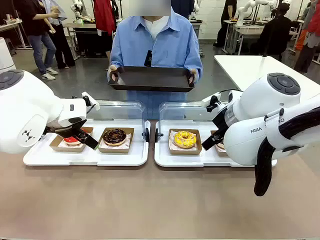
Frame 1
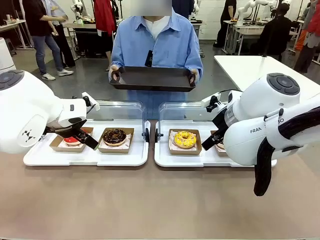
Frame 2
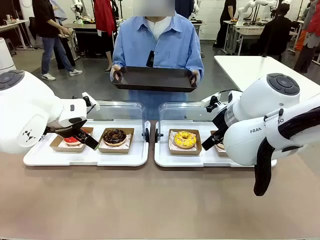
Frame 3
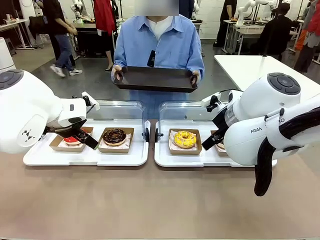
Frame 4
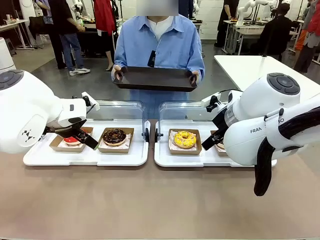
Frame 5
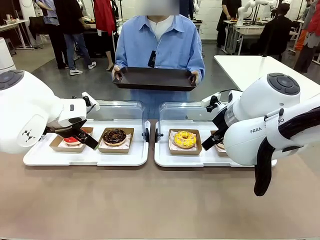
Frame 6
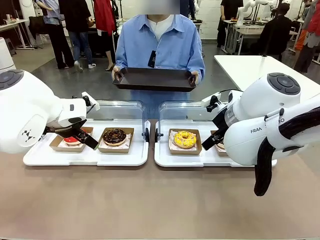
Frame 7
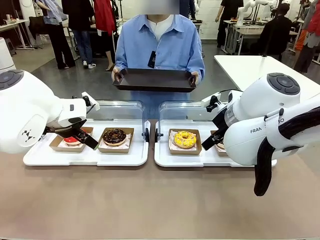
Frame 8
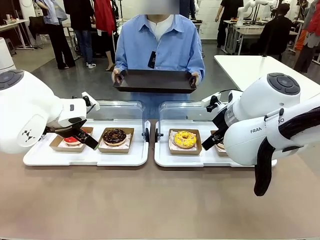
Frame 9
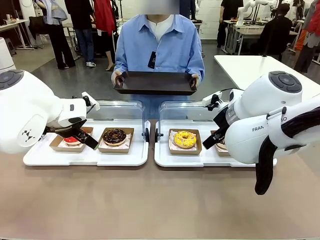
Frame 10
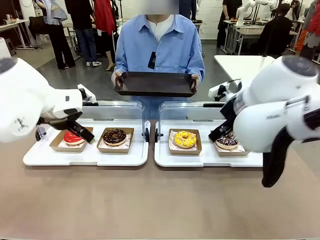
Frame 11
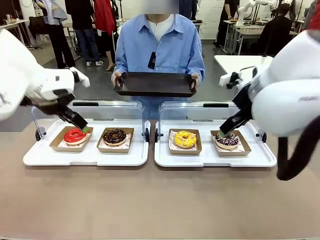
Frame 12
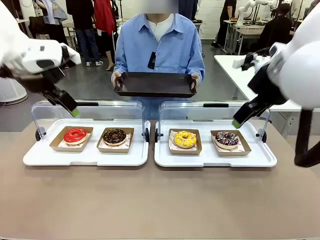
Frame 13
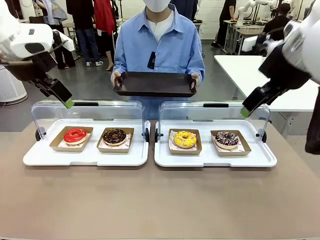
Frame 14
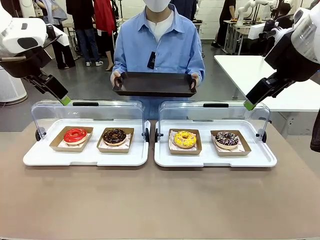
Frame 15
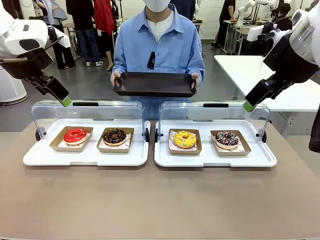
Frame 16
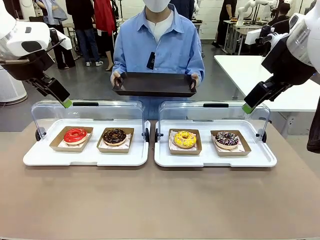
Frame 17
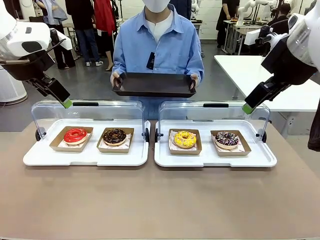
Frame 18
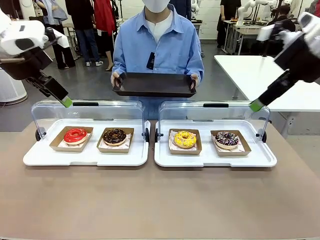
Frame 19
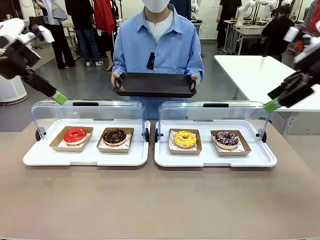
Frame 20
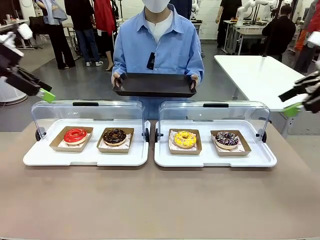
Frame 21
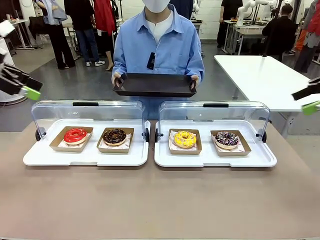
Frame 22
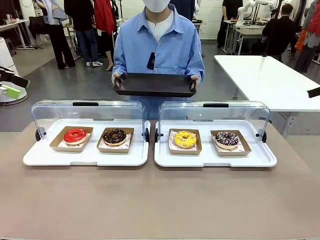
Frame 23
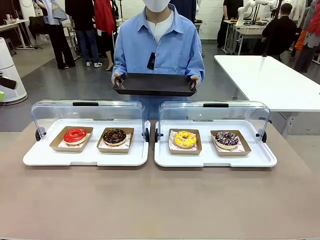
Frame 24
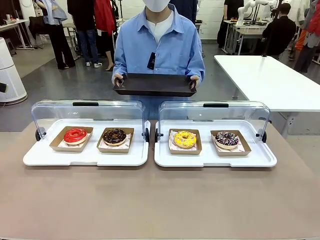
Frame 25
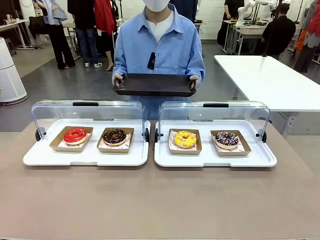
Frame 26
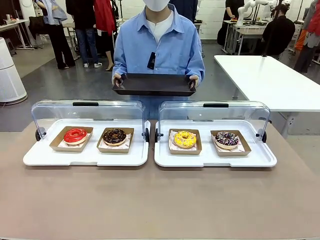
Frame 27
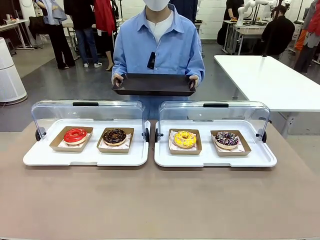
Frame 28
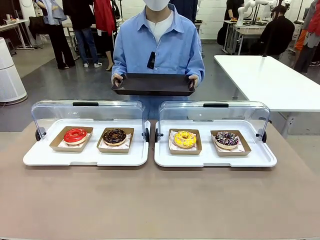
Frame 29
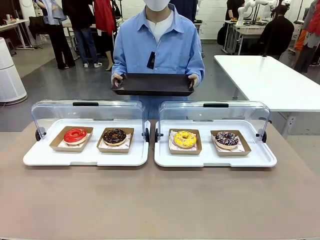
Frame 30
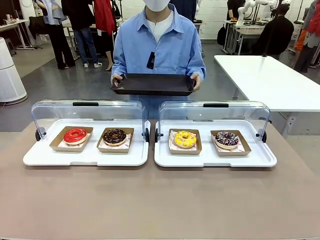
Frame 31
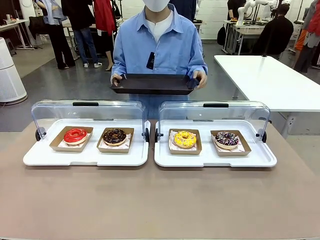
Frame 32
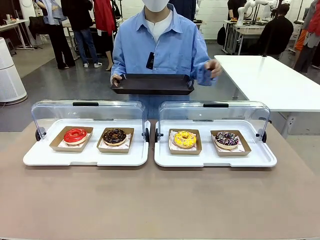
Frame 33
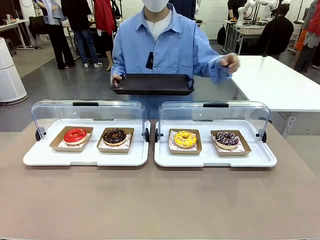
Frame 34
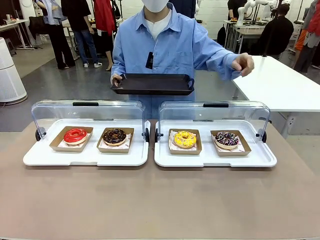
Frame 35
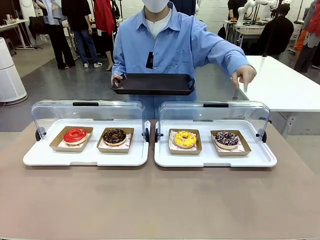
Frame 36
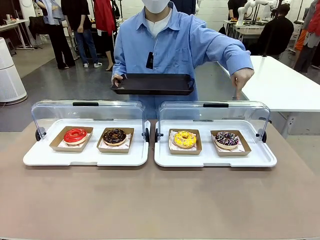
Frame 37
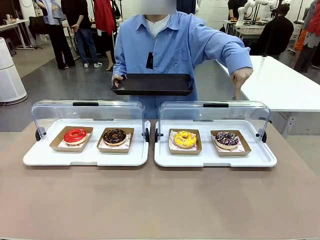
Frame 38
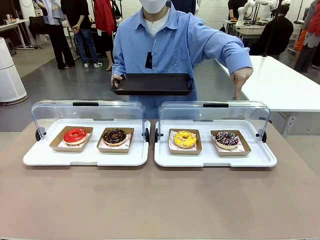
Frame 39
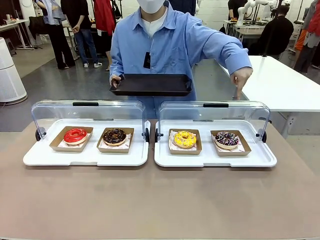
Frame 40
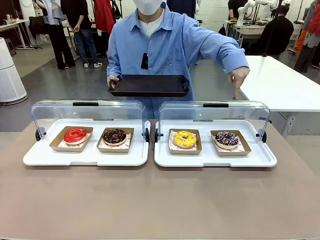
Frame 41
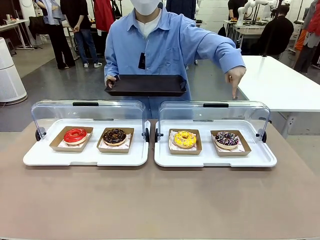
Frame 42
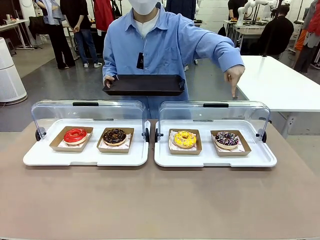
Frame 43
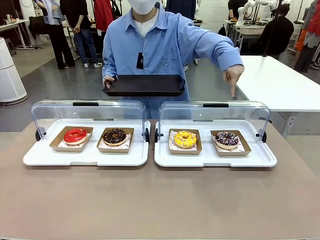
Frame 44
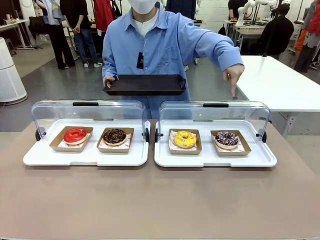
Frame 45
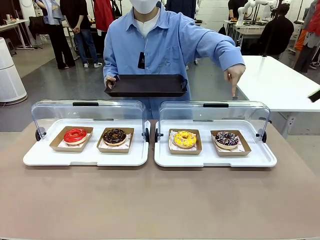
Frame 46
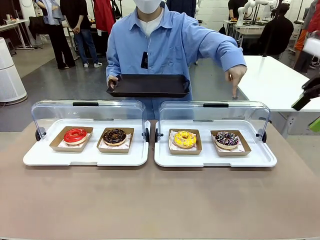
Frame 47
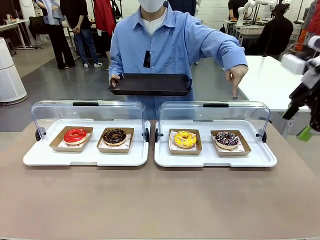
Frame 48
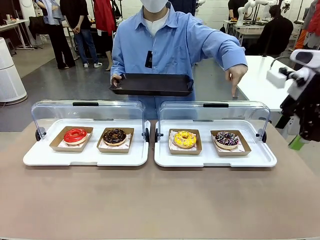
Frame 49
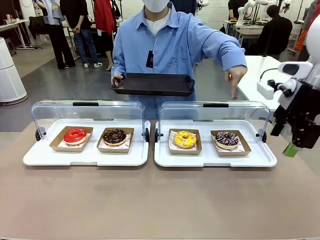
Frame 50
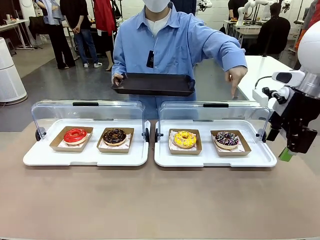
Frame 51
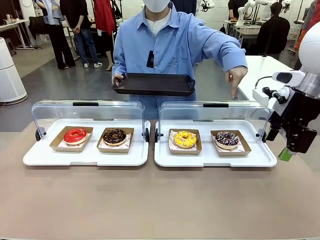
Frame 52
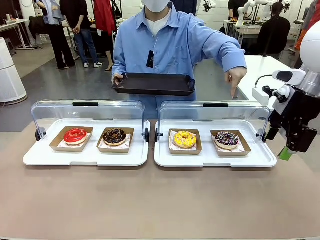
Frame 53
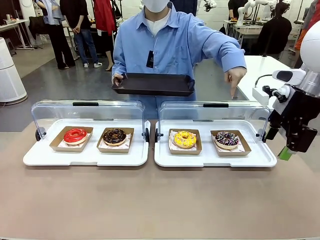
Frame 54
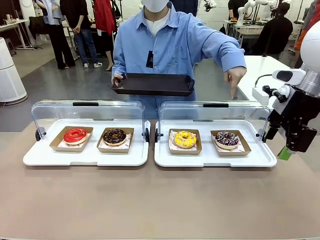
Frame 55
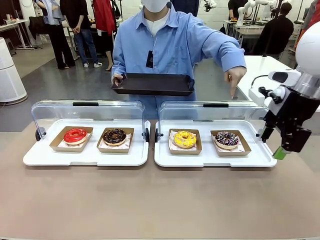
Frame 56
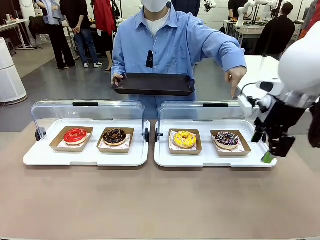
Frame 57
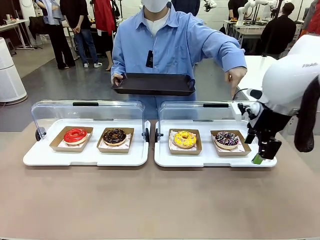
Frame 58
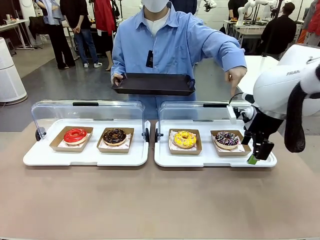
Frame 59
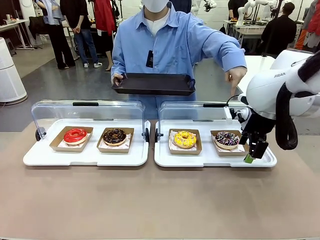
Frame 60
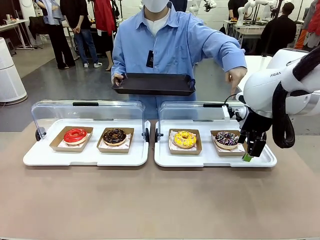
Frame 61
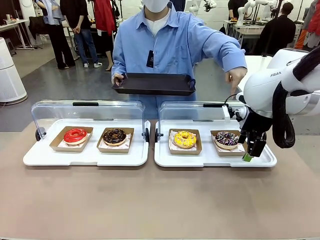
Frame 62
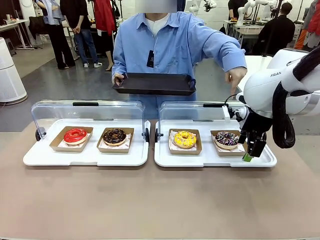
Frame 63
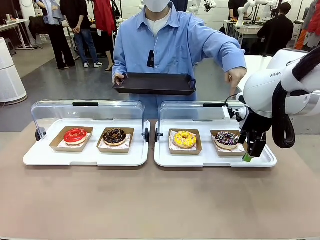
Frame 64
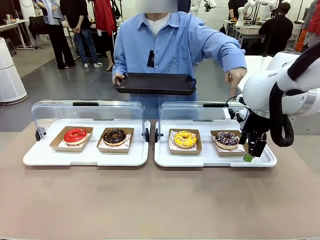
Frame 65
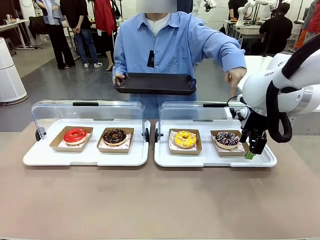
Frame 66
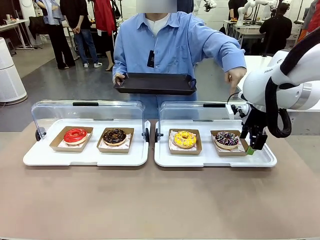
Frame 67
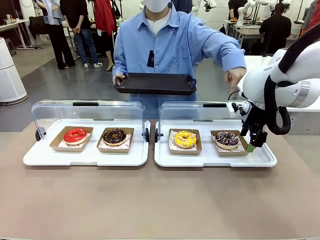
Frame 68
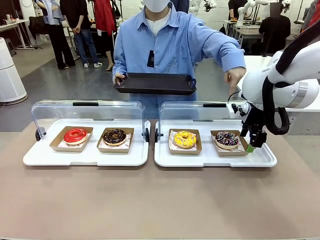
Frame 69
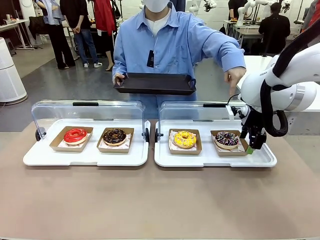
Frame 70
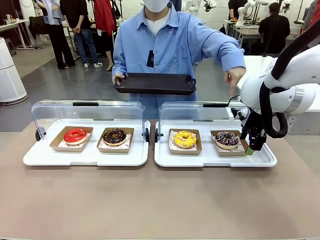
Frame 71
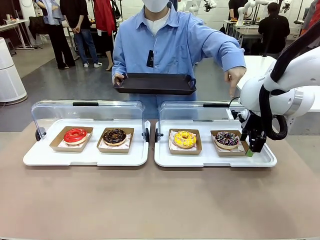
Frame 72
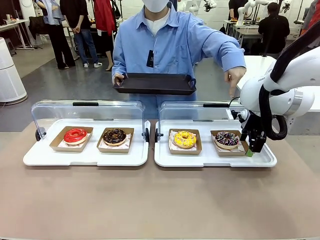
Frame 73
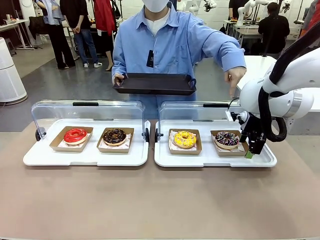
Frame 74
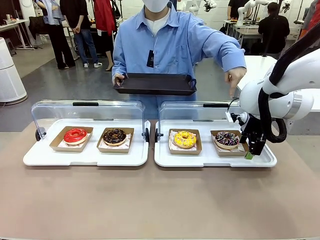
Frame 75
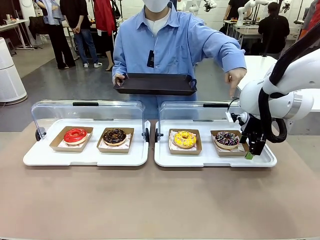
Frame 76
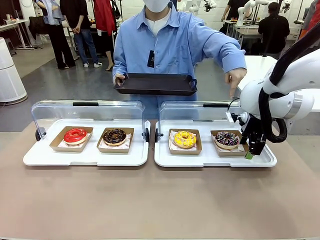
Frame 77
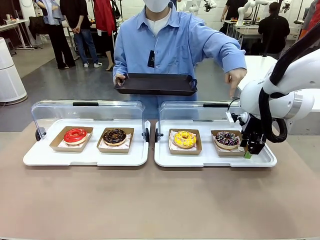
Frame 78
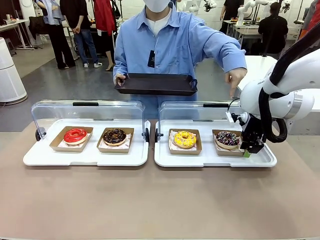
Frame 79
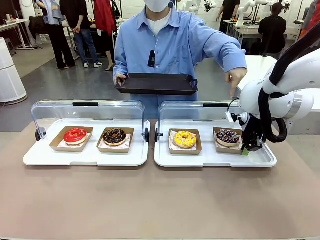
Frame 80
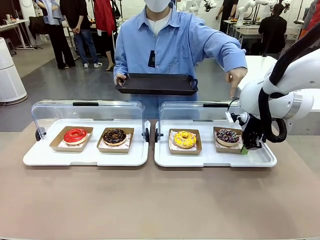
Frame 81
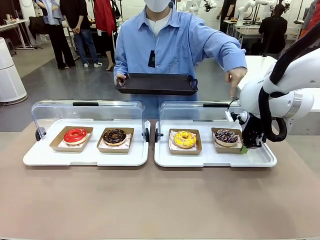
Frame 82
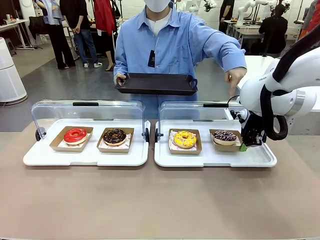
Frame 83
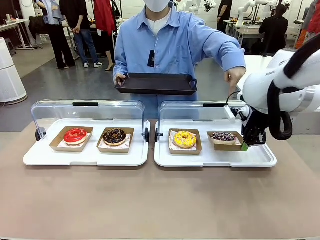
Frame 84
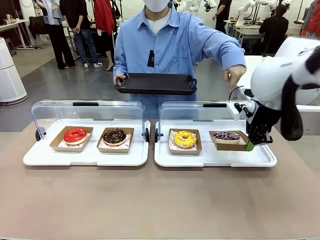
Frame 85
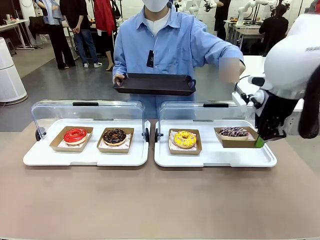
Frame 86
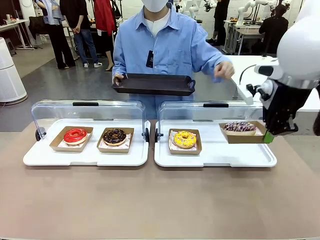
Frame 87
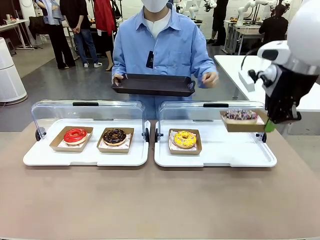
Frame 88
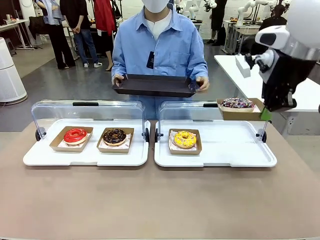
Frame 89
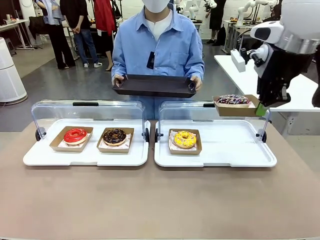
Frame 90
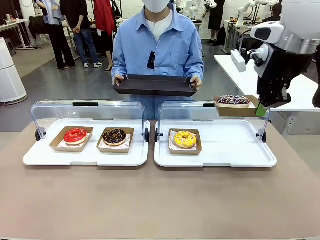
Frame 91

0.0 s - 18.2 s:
Task: Provide the desired donut to the person.
Robot: Pick up and lift the Paper togo box containing the Donut pointed at by the person.
Person: Point to one donut. Lift the tray onto the Roll-Top Bakery Case.
